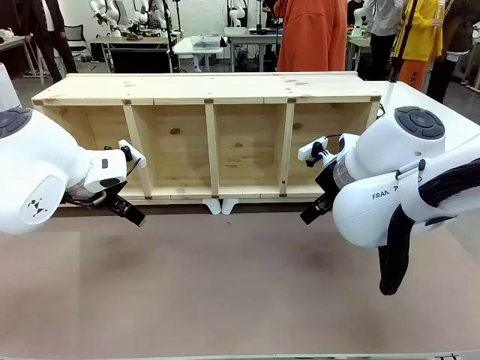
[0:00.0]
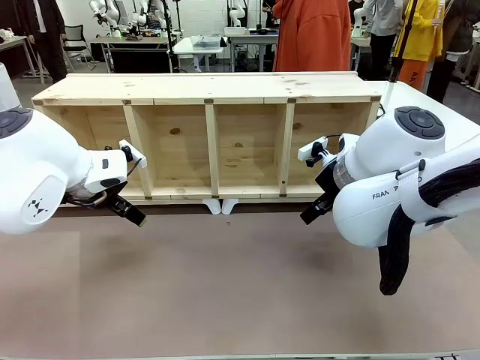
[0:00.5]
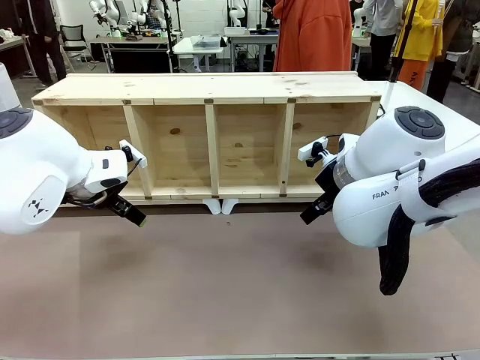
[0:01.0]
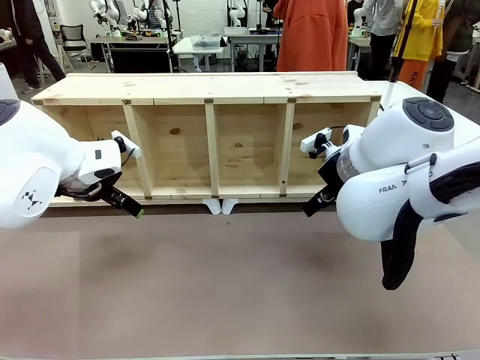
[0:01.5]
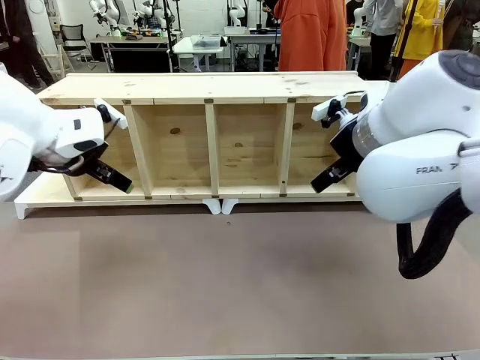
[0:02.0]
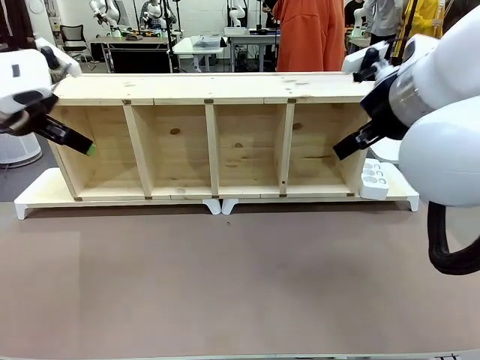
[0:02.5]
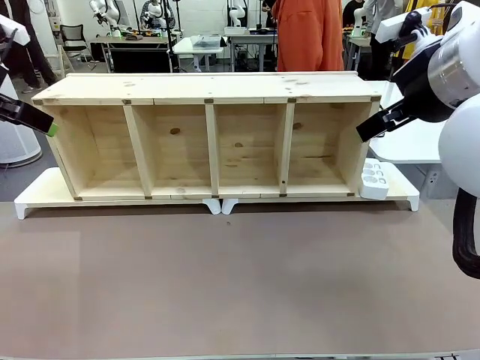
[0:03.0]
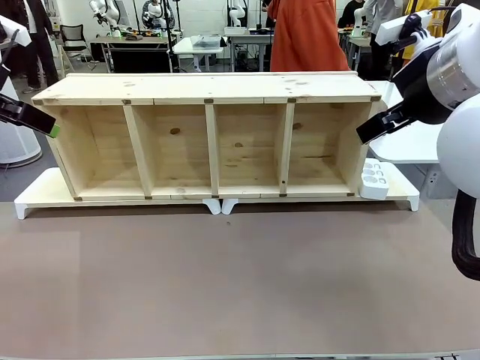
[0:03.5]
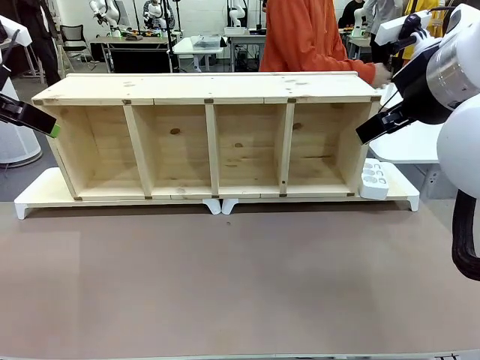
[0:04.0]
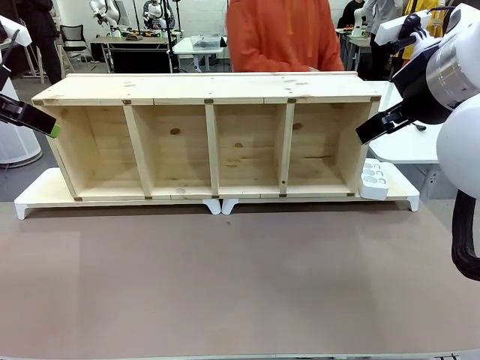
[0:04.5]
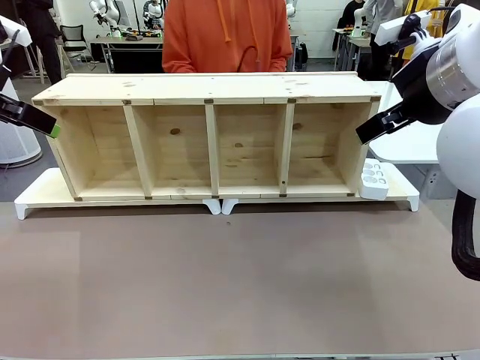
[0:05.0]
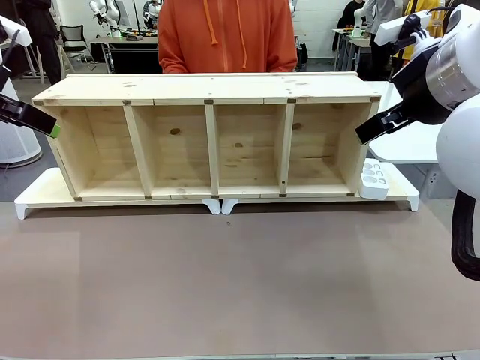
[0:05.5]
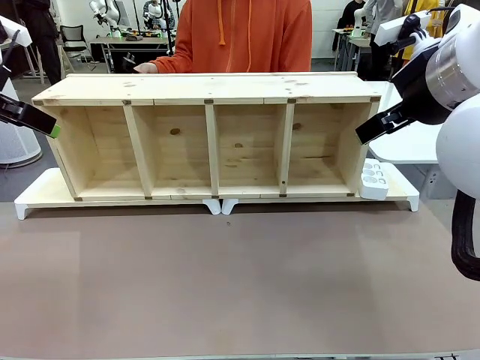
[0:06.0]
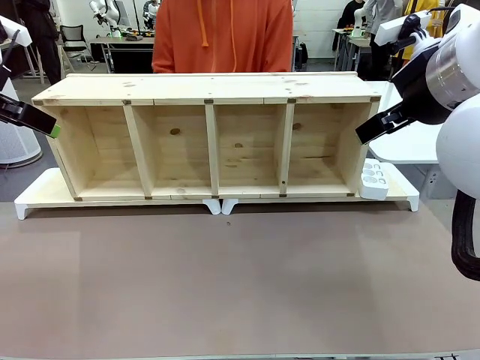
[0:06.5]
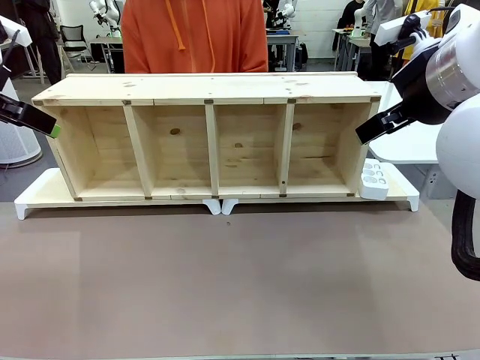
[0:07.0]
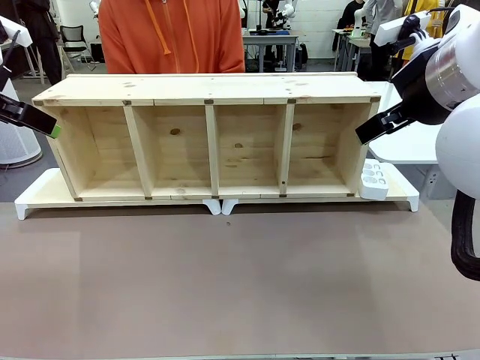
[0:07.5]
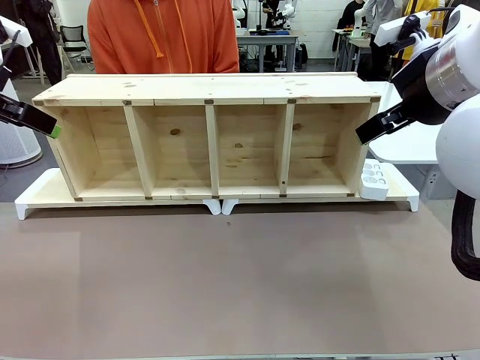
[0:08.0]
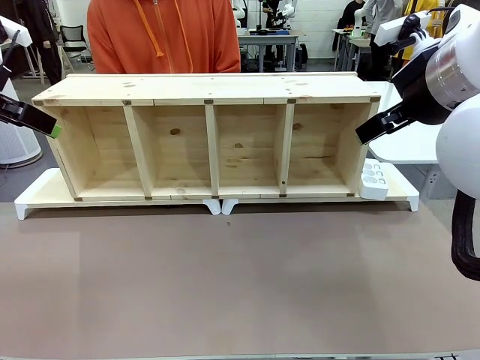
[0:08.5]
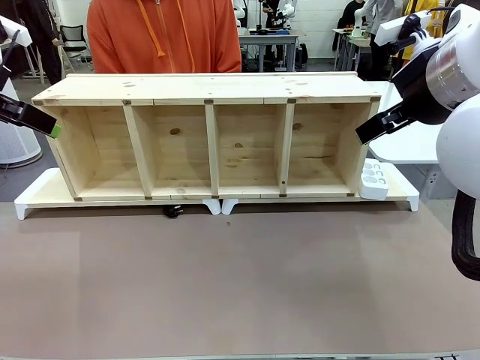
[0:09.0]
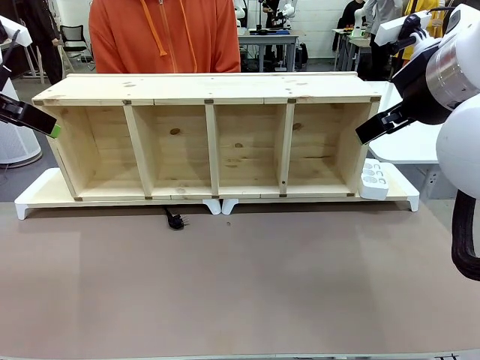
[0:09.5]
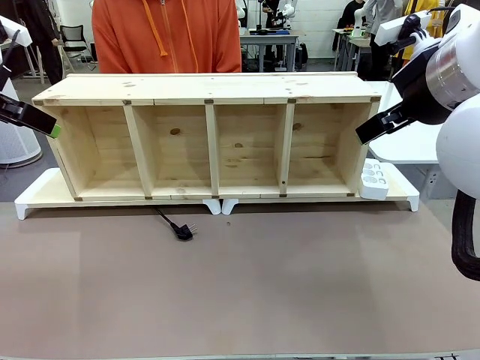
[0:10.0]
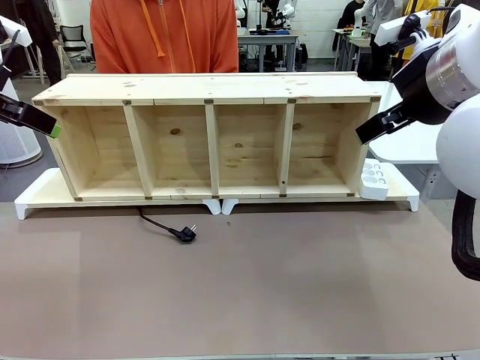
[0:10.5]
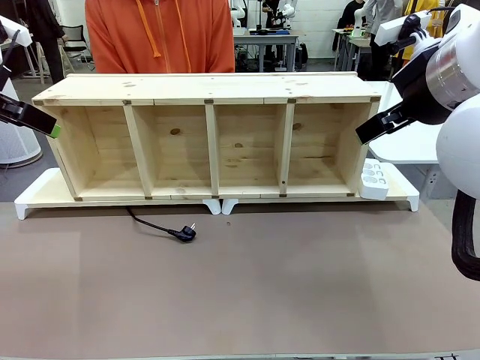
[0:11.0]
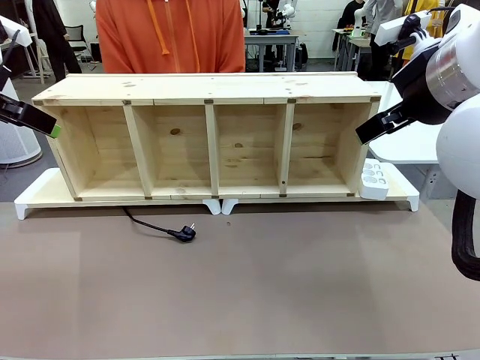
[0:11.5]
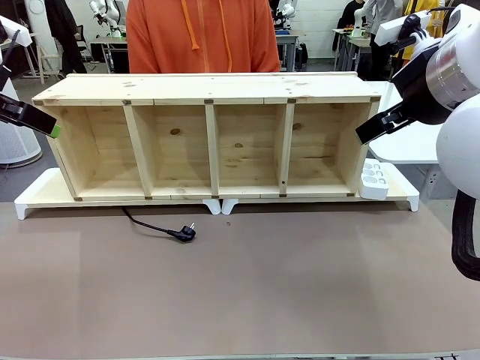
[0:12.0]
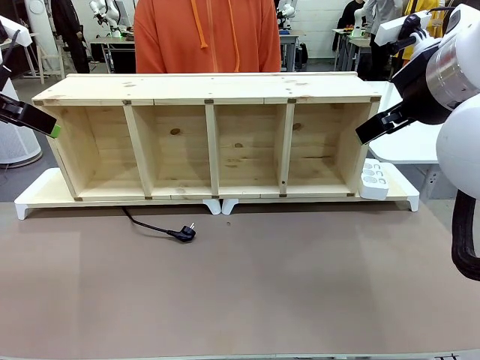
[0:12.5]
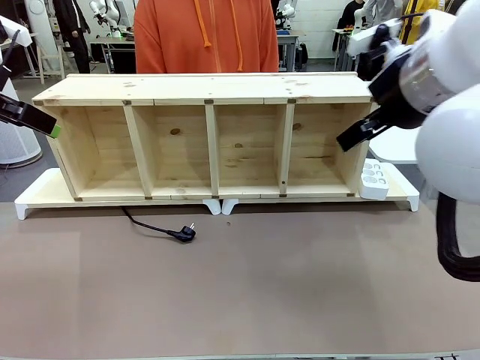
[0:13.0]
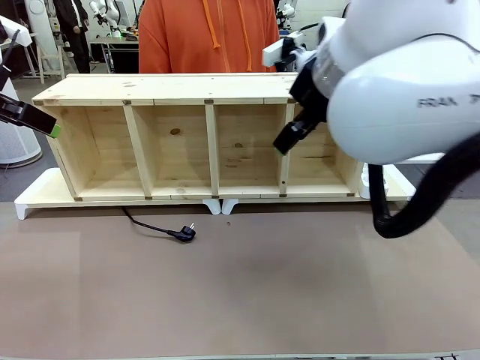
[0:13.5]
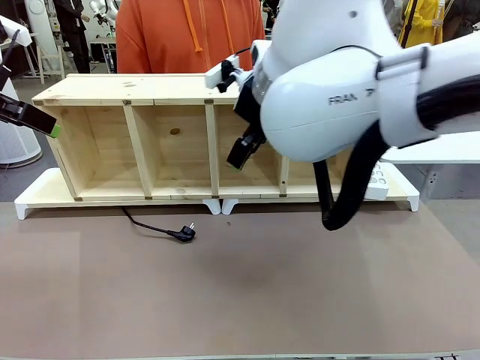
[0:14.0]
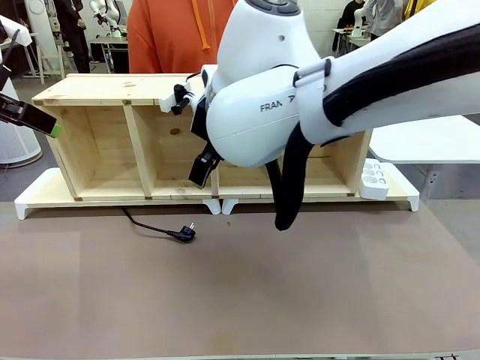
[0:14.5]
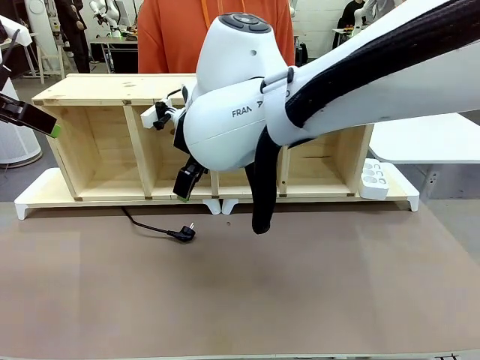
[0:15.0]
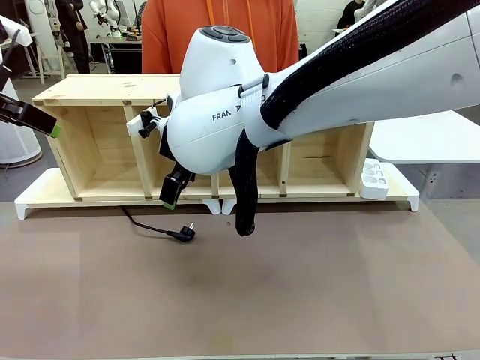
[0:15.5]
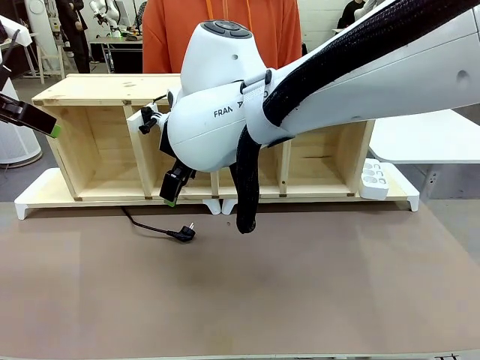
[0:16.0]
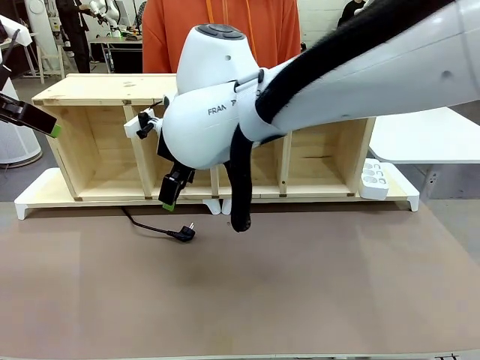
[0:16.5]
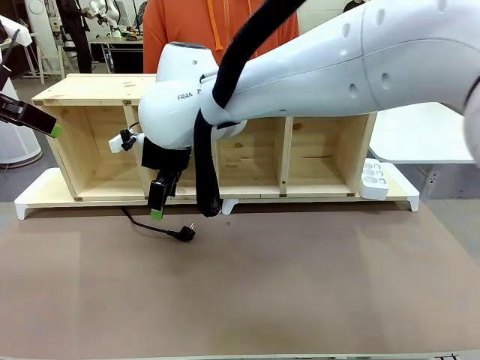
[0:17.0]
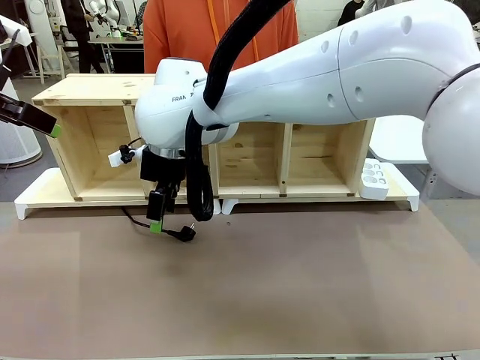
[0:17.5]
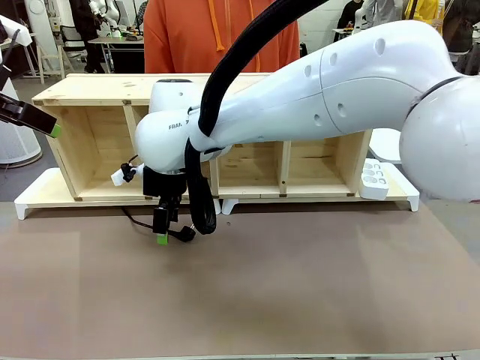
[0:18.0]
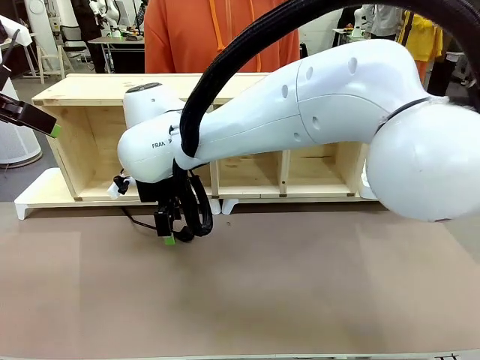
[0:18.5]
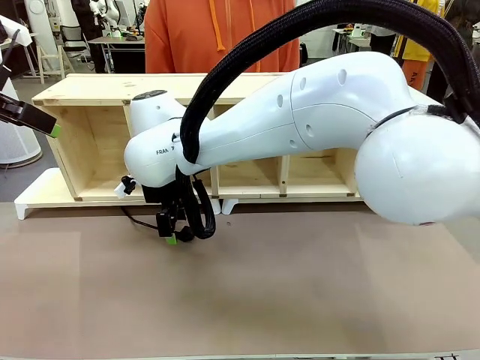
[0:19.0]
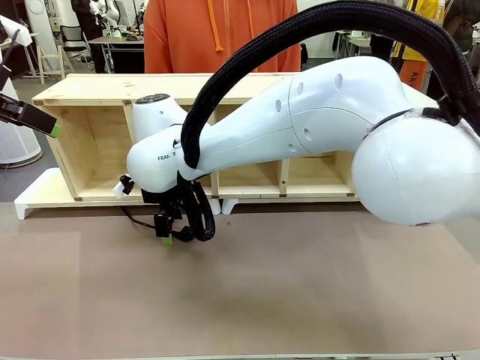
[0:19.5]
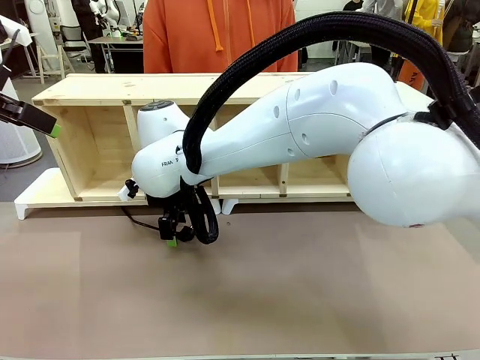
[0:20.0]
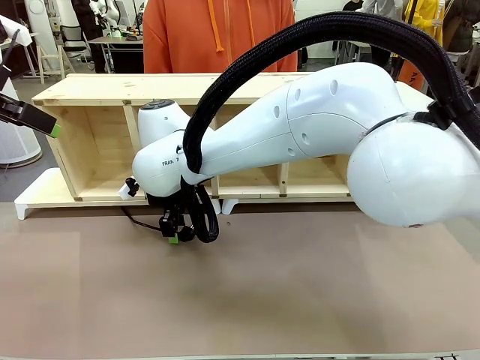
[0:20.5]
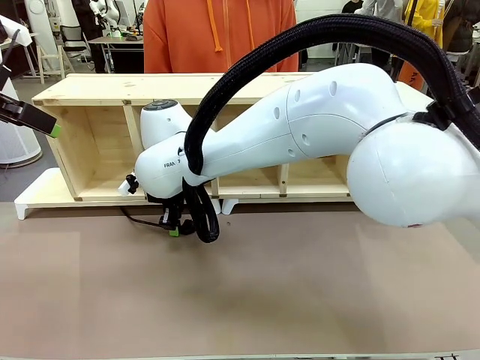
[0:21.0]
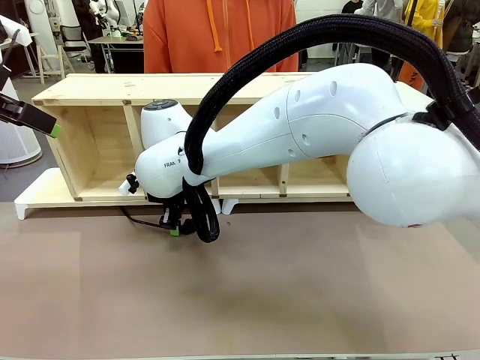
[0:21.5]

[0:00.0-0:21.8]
Task: Perform cable management.
Robot: When the cord part of the Power Cable appears at the lower middle area of the table and stops, grasp the cord part of the Power Cable.
Person: Pass the Power Cable under the Serving Table.

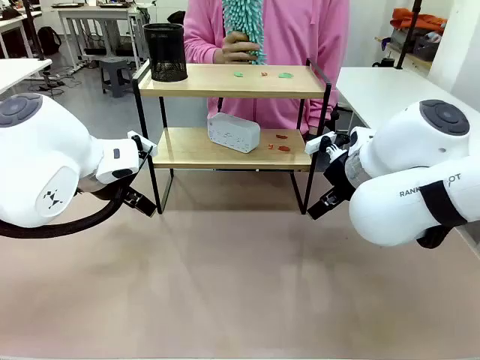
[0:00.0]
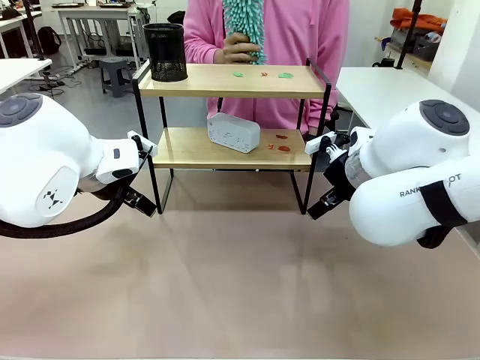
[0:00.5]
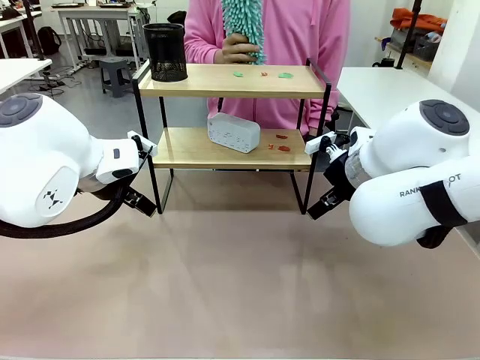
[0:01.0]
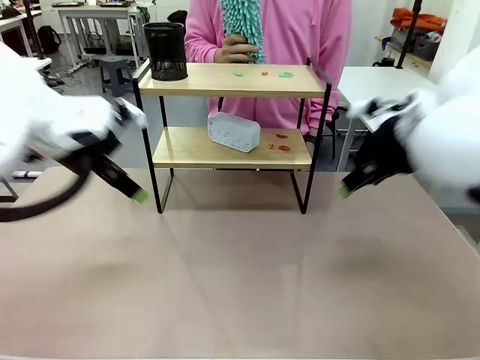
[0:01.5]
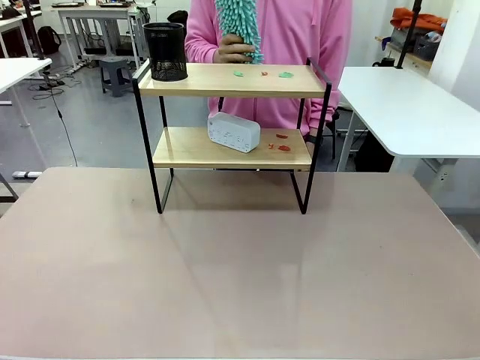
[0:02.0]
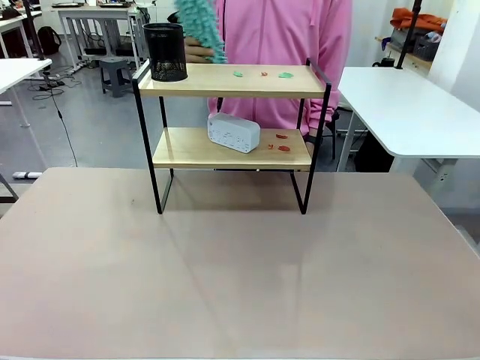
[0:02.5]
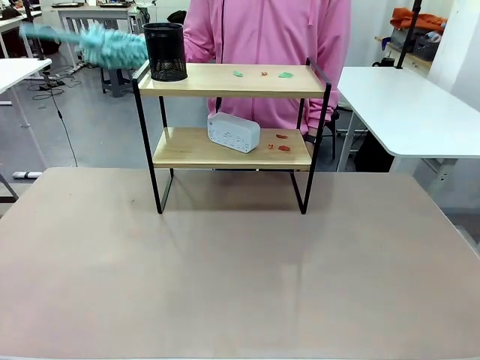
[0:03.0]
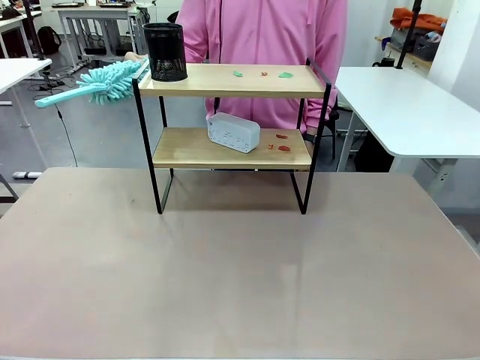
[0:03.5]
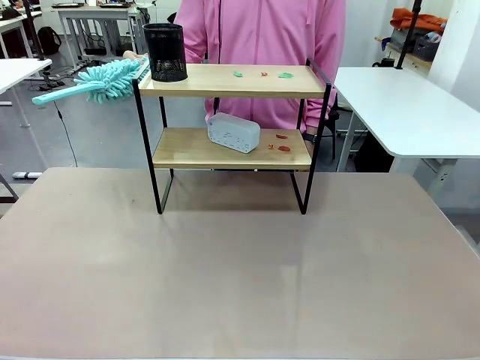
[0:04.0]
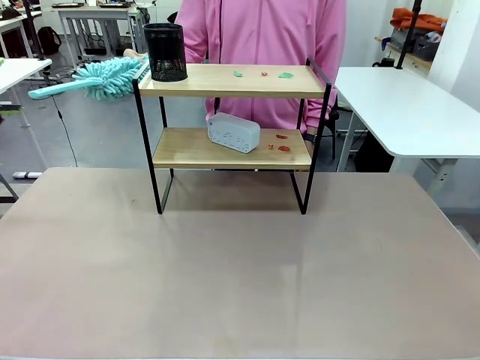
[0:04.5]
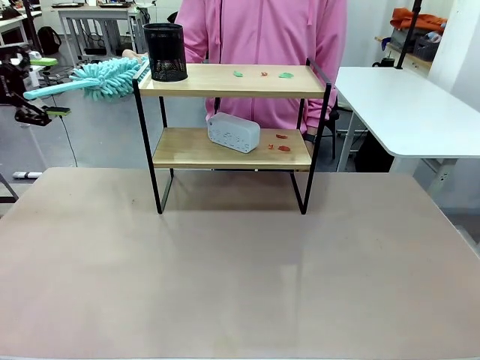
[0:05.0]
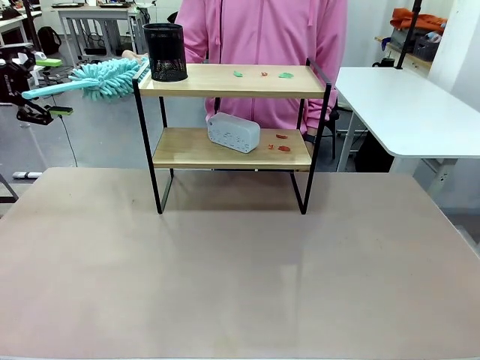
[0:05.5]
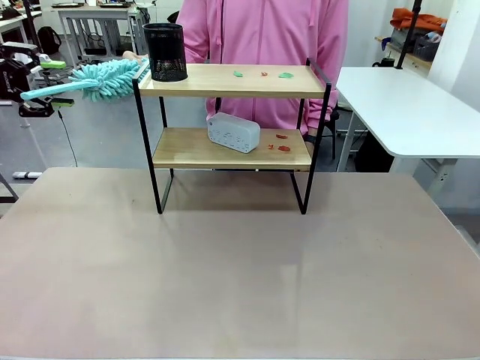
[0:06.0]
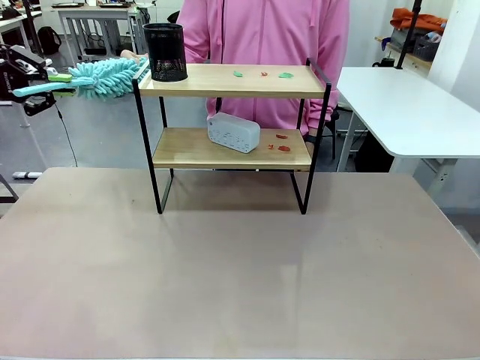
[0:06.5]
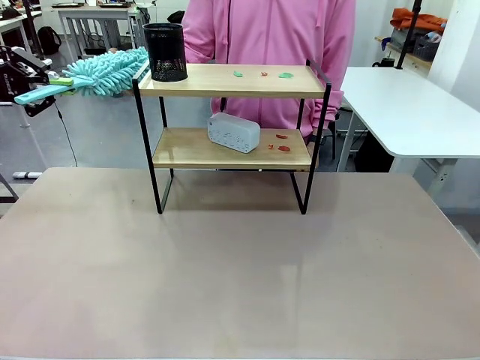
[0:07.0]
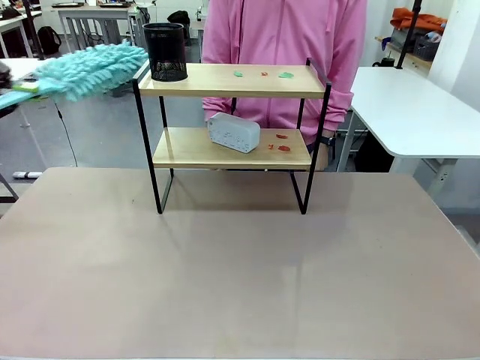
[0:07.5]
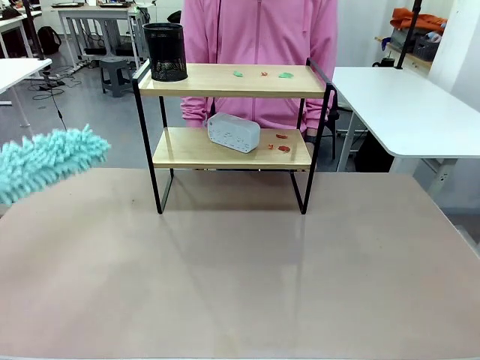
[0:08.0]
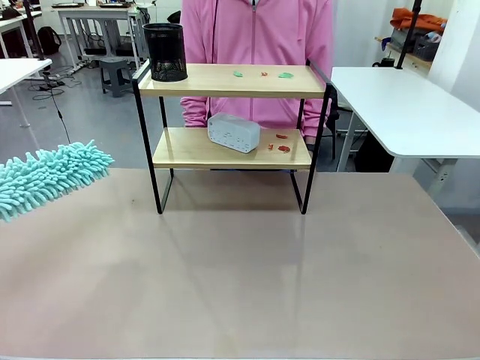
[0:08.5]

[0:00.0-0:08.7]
Task: Clean the shelf.
Robot: Pick up the Duster from the human.
Person: Hand the Duster to the robot.
